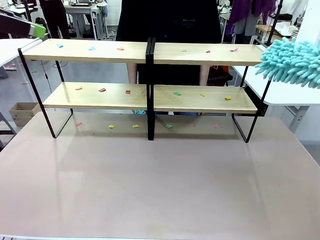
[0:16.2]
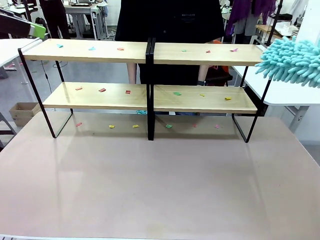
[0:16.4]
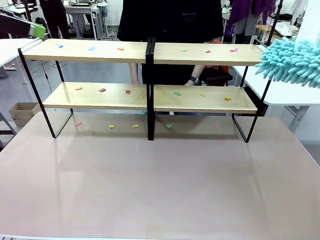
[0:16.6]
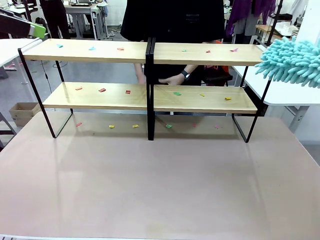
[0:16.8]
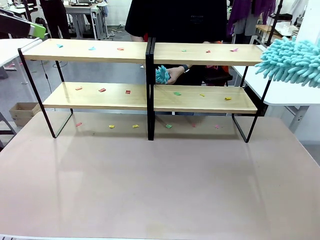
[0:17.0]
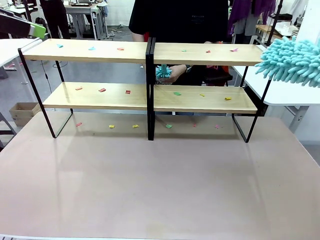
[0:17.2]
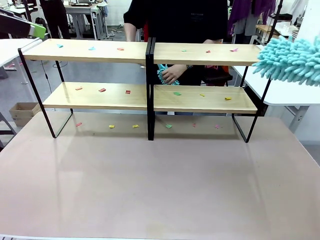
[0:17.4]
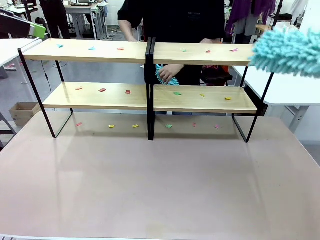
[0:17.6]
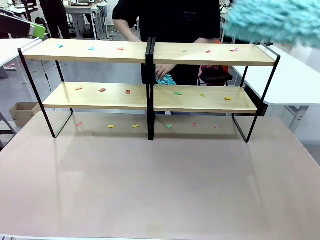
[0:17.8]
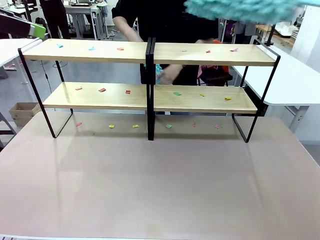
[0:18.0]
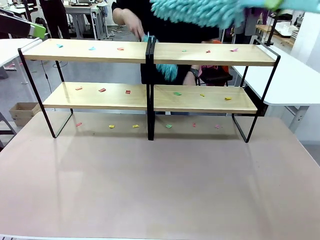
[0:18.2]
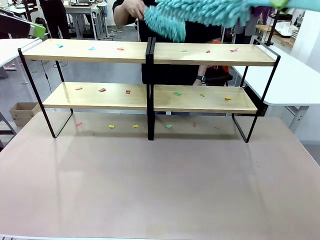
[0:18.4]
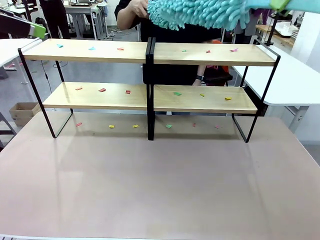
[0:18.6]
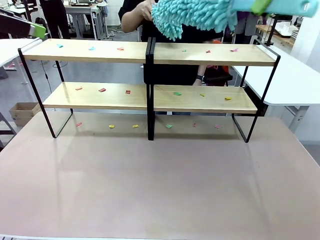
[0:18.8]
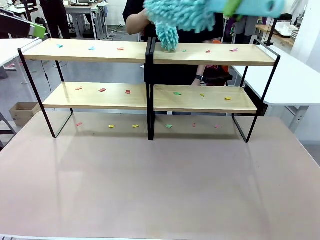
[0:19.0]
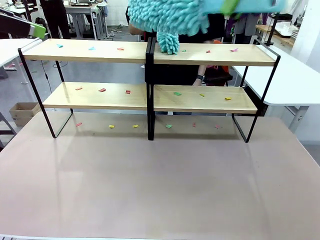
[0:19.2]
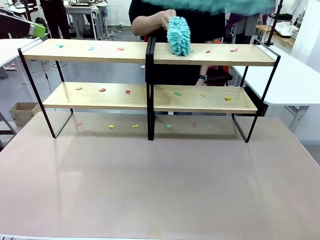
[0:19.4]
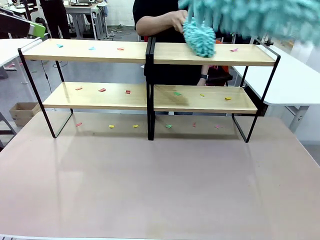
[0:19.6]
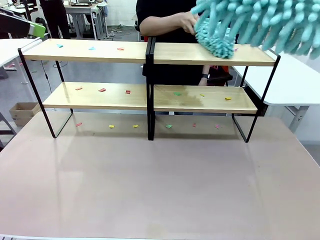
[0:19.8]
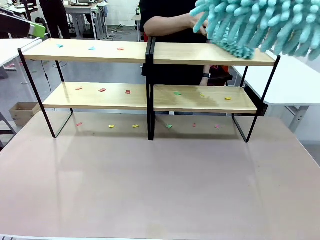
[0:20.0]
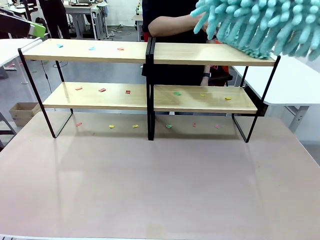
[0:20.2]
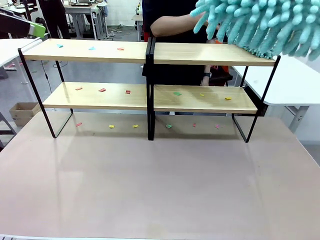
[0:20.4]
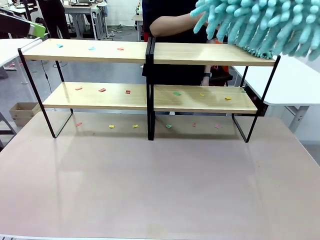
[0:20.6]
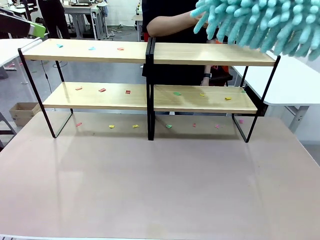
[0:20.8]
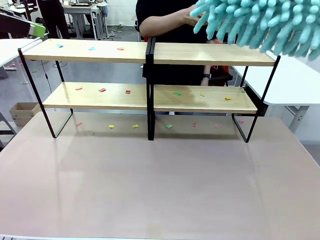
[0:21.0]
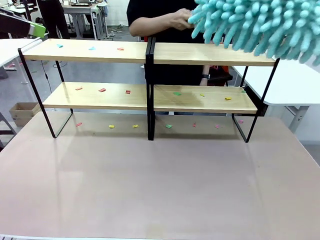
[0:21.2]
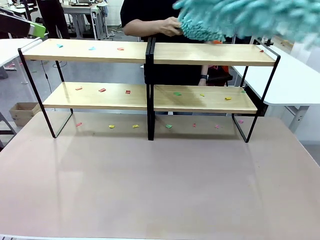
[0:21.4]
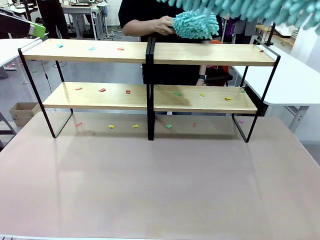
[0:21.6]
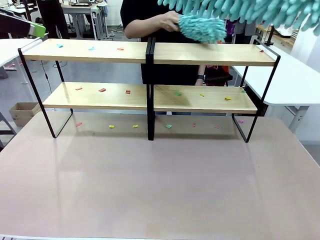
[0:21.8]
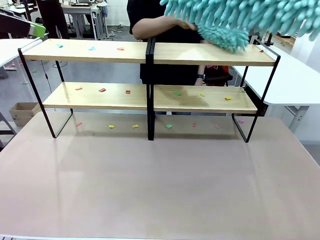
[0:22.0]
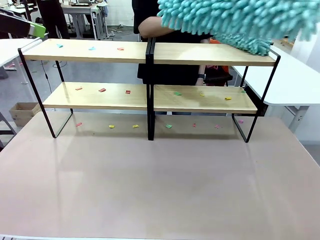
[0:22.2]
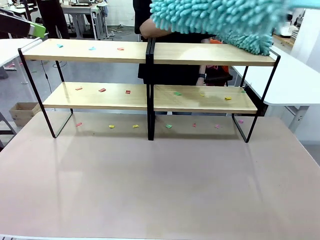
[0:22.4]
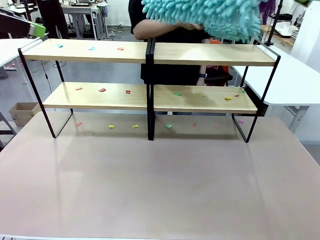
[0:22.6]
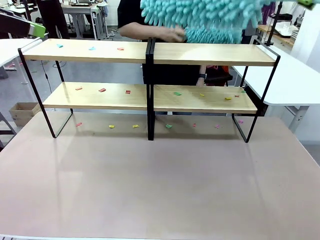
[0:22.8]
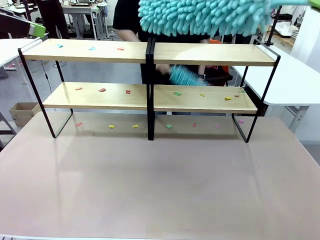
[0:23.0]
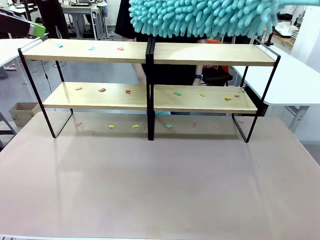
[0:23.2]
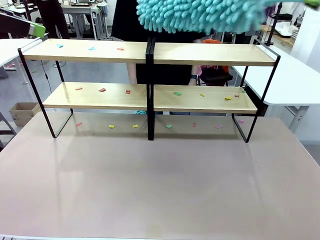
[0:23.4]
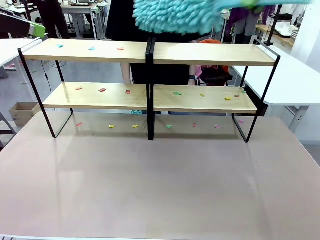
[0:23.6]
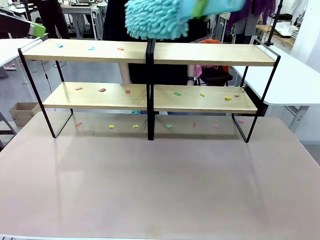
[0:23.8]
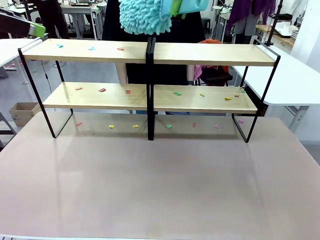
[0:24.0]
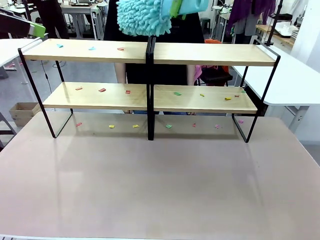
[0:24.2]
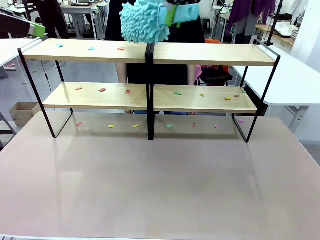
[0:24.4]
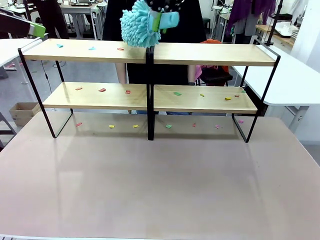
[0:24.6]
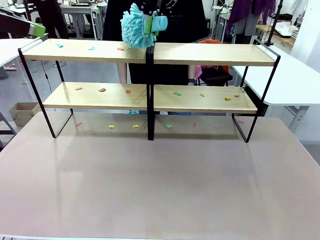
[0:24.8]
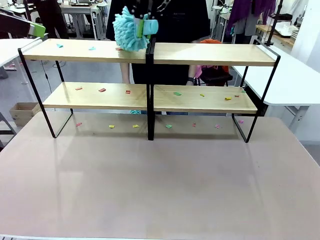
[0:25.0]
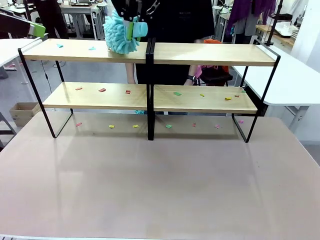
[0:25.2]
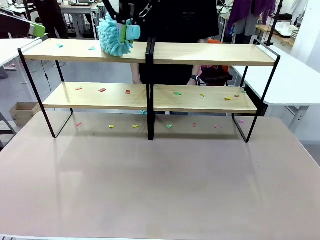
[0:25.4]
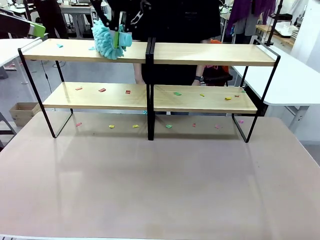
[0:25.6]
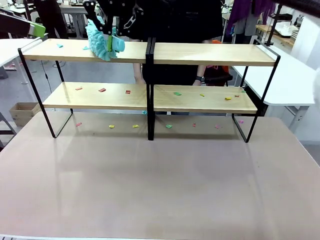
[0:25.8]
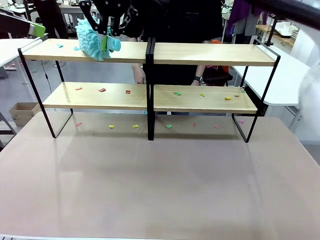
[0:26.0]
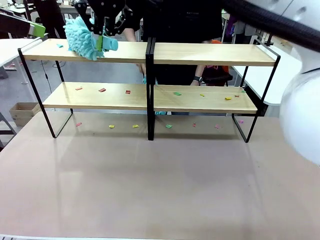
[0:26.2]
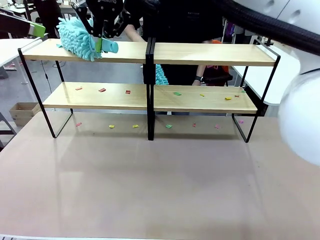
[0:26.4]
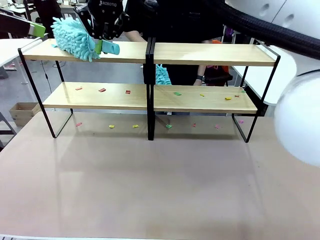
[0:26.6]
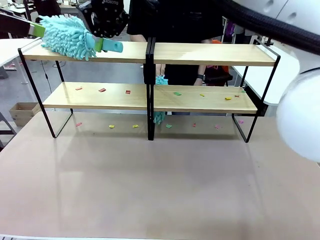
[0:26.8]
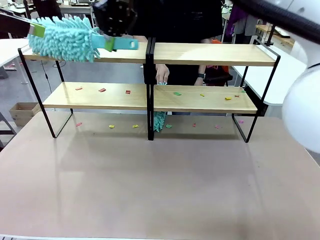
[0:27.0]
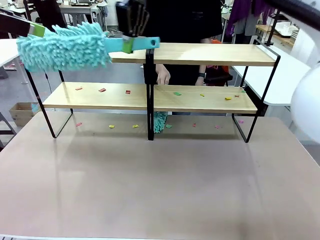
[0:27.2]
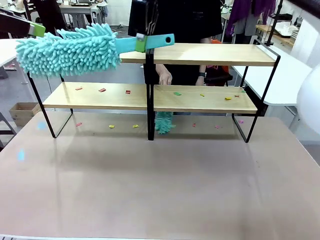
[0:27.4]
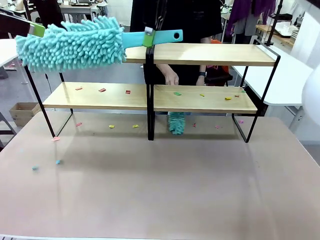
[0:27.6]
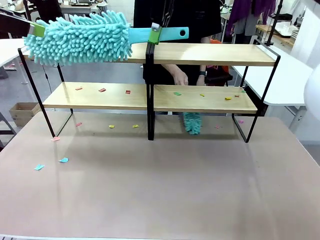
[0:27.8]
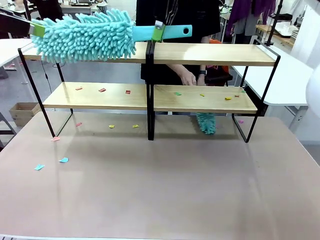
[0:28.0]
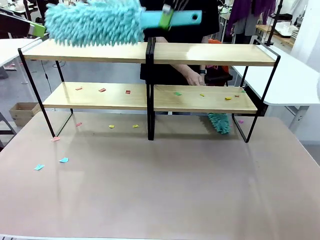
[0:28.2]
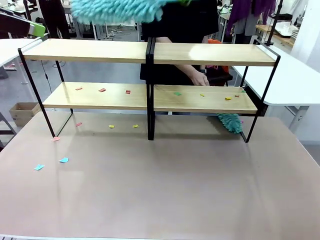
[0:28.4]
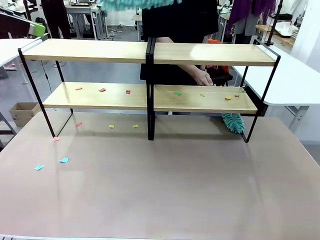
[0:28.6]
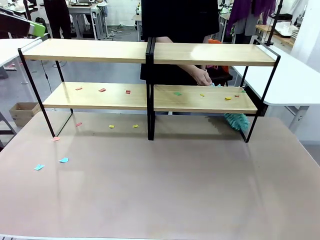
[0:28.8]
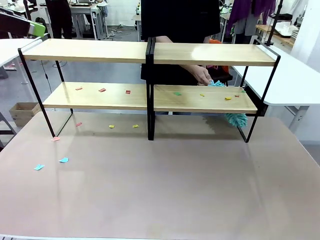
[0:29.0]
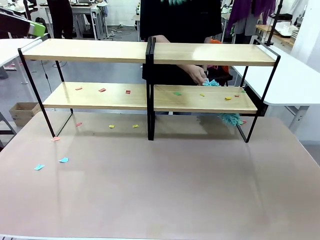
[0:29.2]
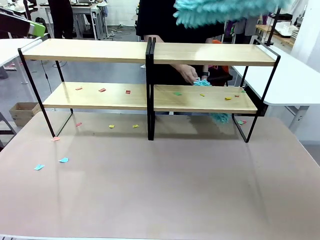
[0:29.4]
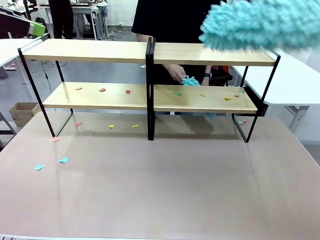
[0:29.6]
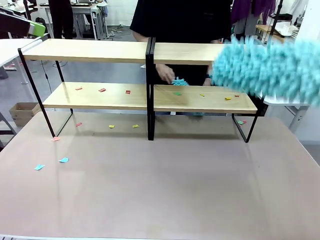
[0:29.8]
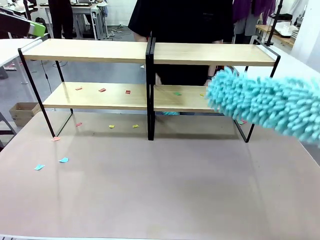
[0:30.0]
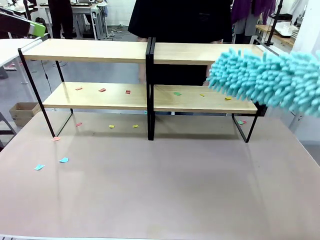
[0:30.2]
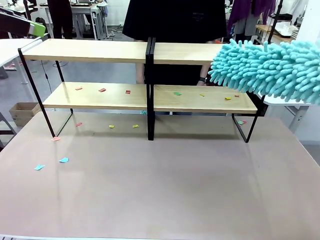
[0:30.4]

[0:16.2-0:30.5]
Task: Clean the shelves.
Robot: Clean a randomly selected level of the Shelf with the Duster.

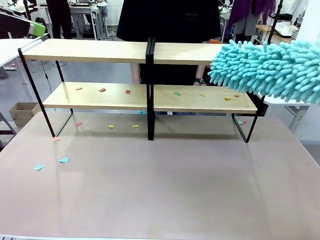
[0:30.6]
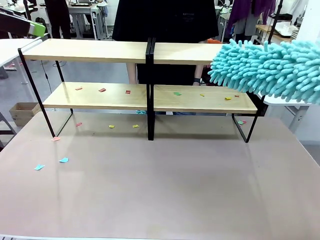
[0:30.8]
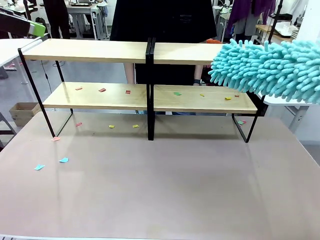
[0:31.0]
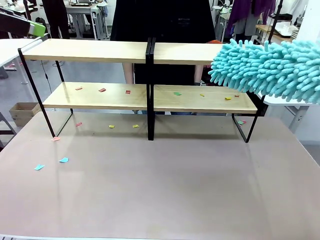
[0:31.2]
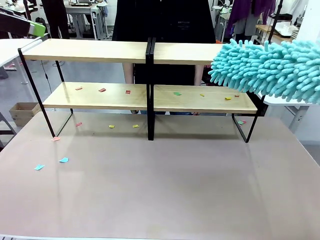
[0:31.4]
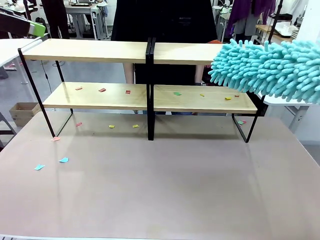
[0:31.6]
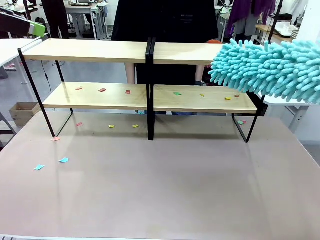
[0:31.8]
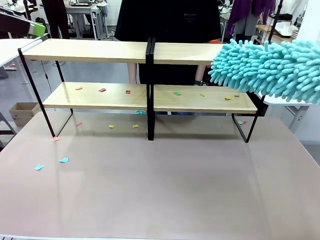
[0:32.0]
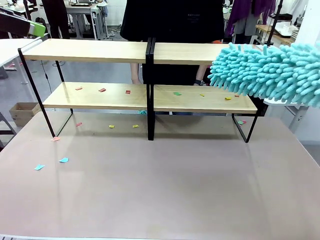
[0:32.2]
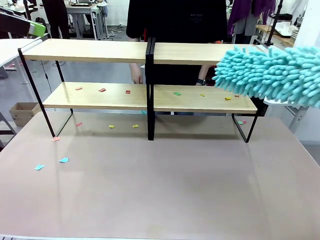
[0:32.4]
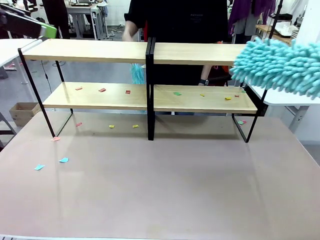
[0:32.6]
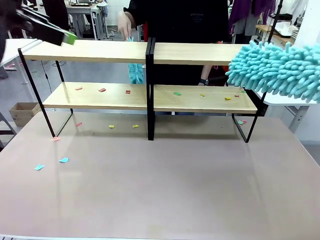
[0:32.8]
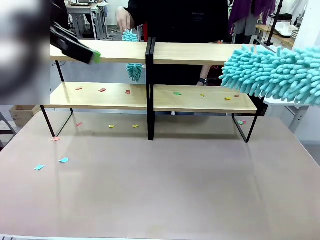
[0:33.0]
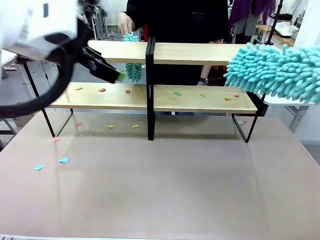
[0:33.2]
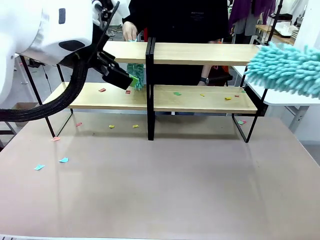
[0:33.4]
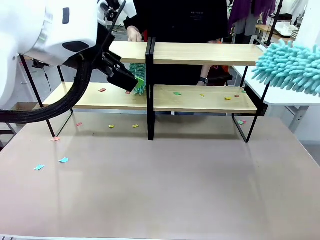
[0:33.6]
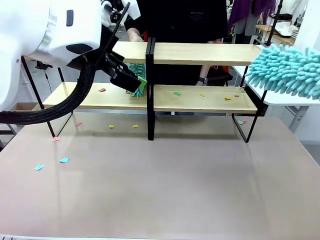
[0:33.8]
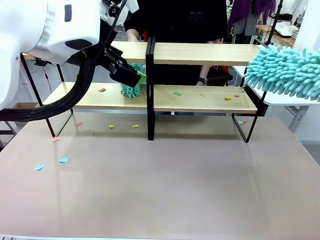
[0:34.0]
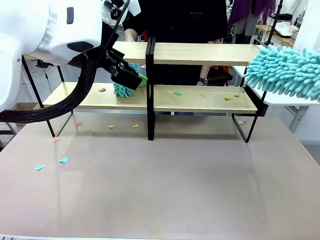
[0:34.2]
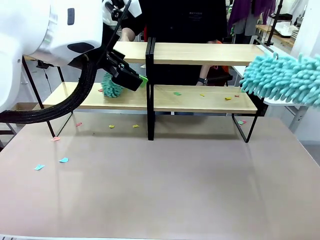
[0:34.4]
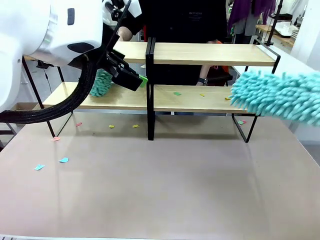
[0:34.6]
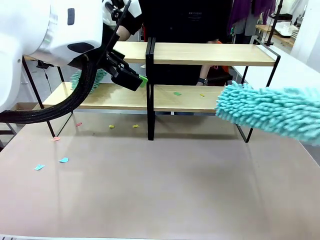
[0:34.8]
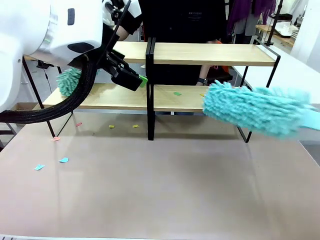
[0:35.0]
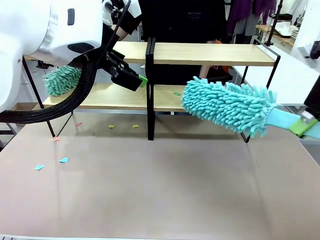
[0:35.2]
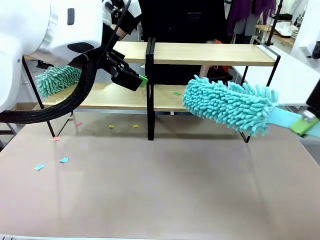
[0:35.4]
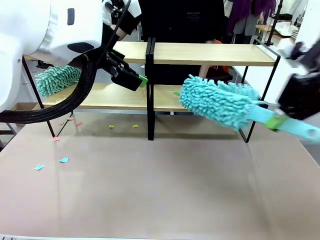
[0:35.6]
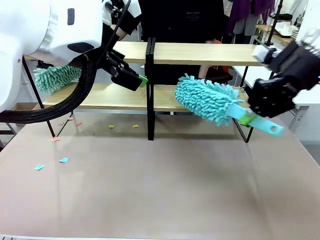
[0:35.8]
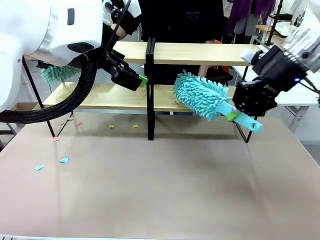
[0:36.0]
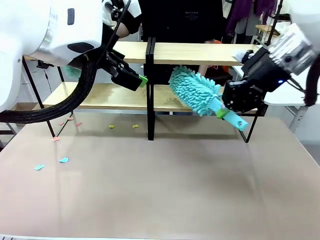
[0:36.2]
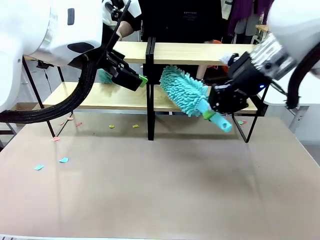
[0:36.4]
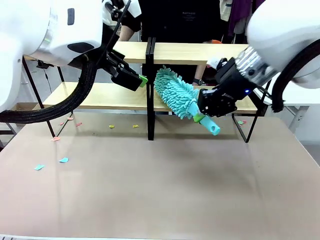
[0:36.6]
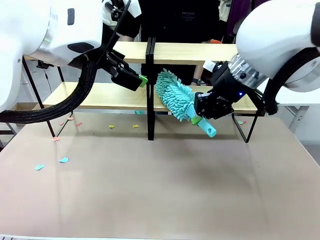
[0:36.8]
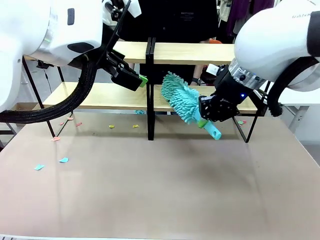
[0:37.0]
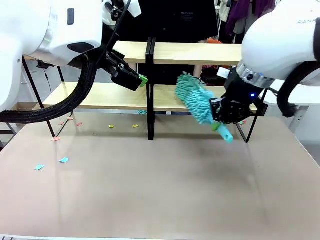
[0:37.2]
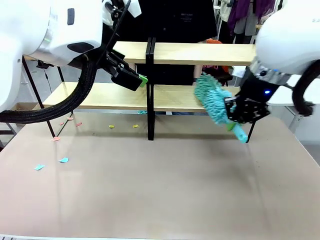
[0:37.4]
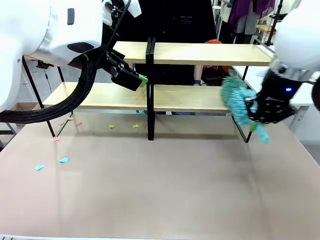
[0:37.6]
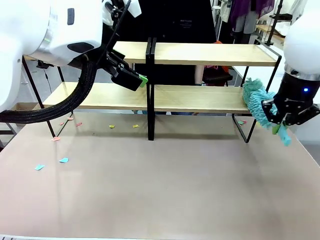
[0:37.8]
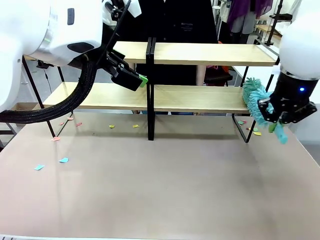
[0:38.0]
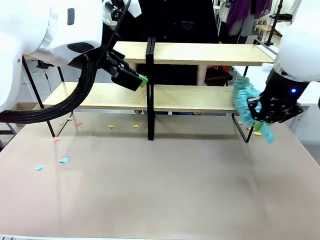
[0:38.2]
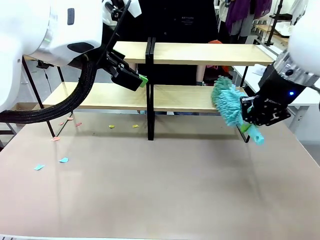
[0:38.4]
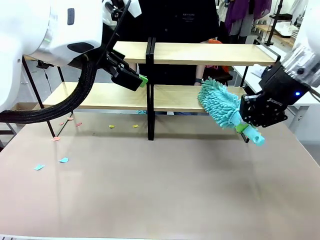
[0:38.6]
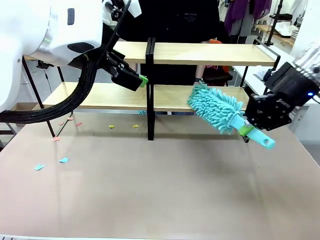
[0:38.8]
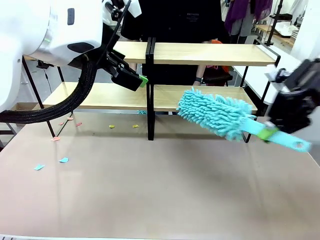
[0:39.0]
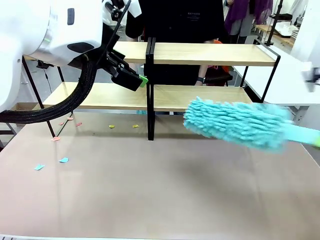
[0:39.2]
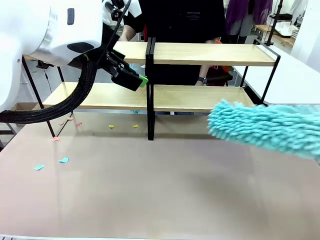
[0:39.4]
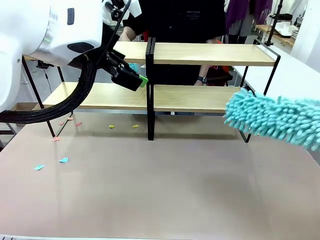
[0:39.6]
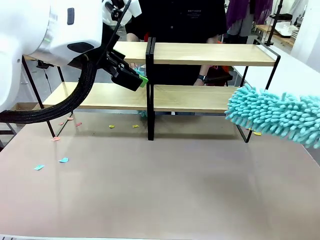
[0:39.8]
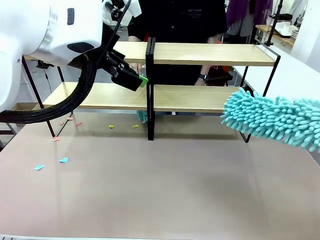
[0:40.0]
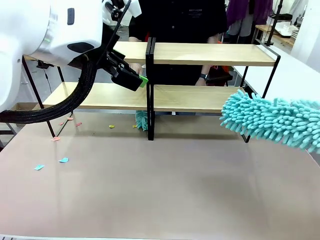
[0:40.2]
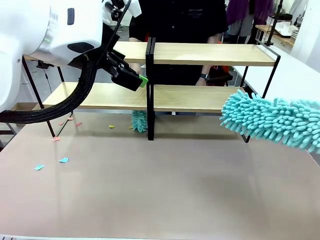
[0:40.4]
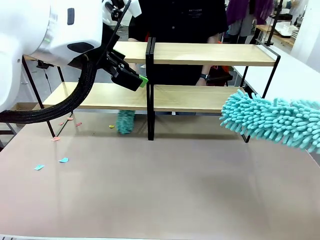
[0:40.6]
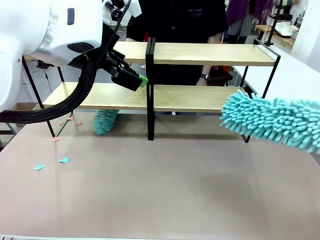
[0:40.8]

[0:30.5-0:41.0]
Robot: Clean another randomly selected level of the Shelf with the Duster.
